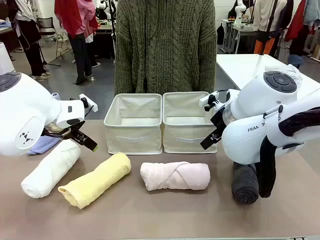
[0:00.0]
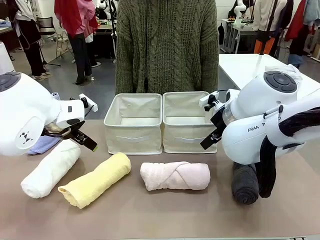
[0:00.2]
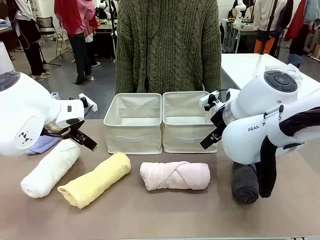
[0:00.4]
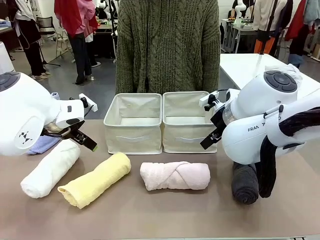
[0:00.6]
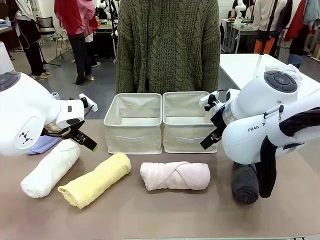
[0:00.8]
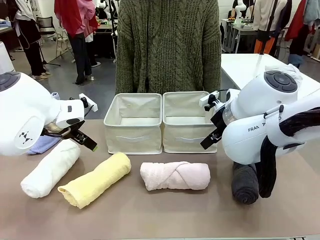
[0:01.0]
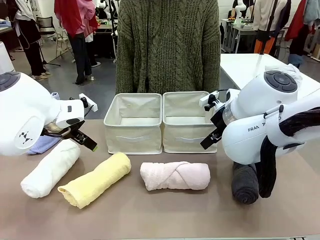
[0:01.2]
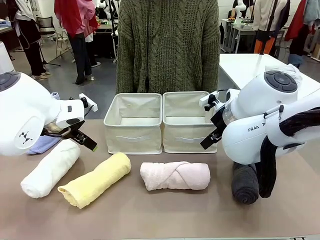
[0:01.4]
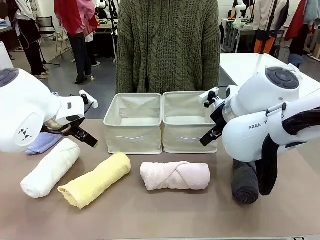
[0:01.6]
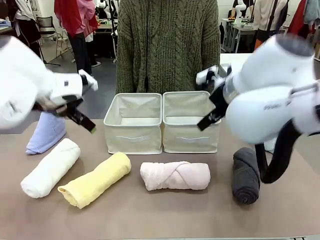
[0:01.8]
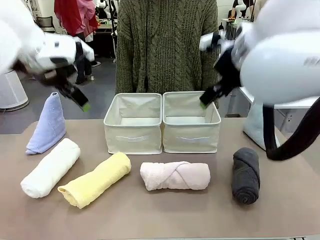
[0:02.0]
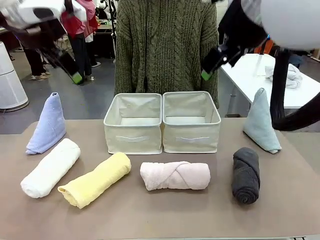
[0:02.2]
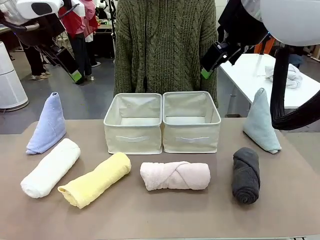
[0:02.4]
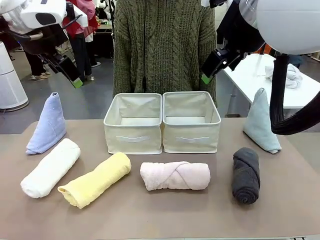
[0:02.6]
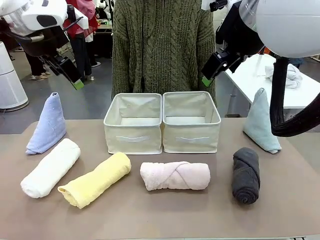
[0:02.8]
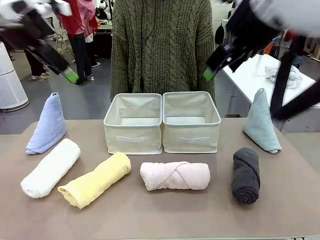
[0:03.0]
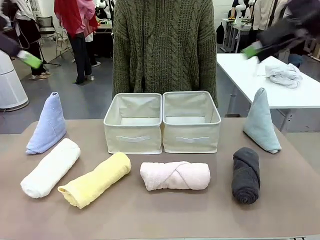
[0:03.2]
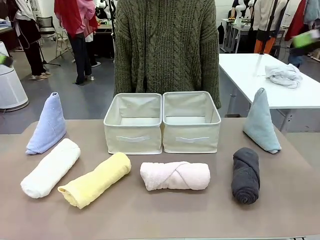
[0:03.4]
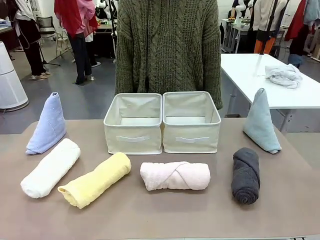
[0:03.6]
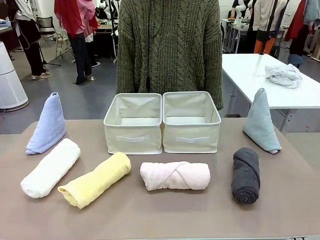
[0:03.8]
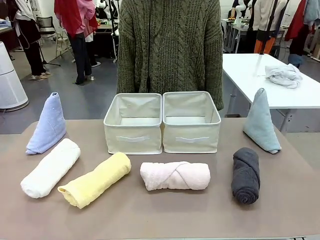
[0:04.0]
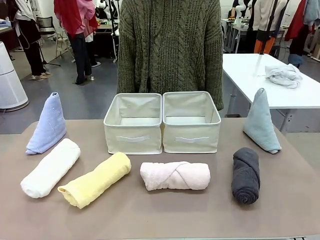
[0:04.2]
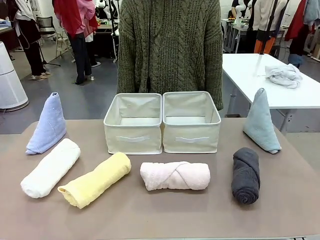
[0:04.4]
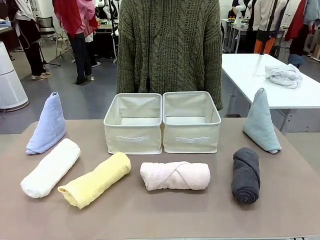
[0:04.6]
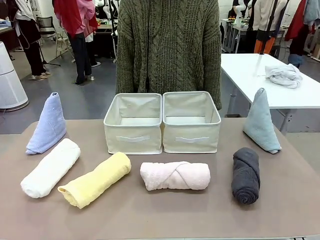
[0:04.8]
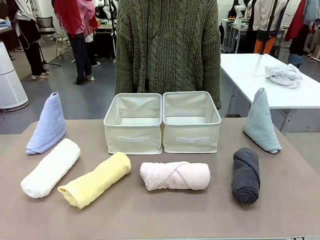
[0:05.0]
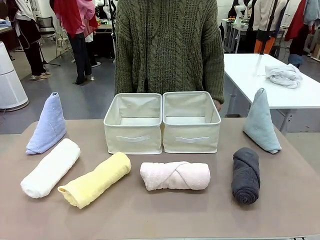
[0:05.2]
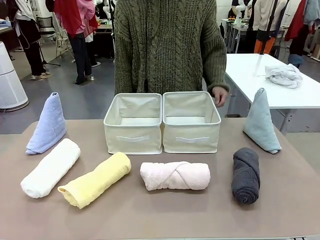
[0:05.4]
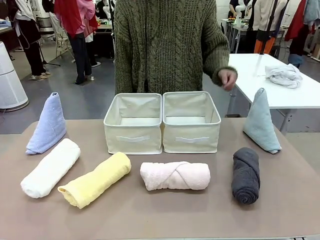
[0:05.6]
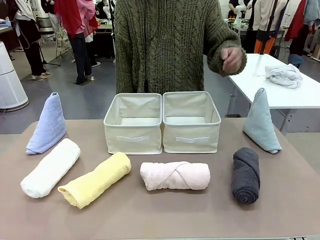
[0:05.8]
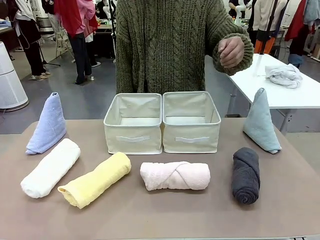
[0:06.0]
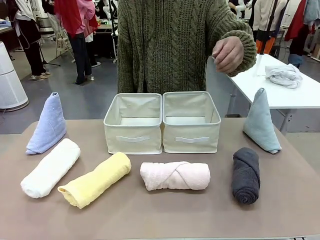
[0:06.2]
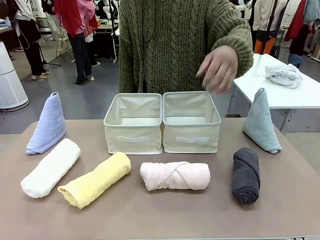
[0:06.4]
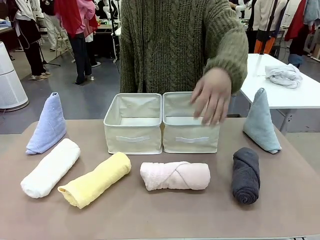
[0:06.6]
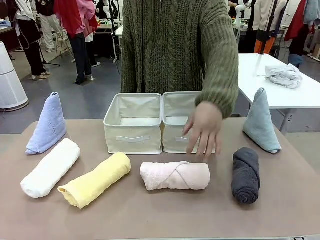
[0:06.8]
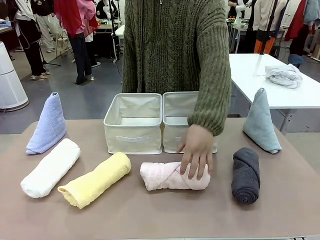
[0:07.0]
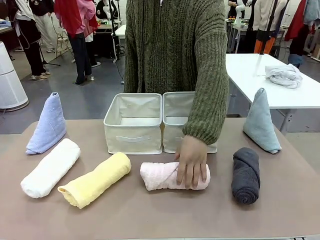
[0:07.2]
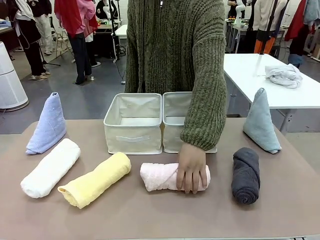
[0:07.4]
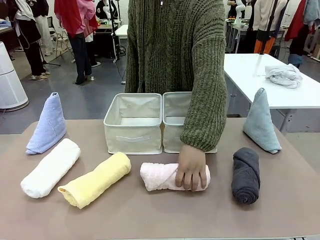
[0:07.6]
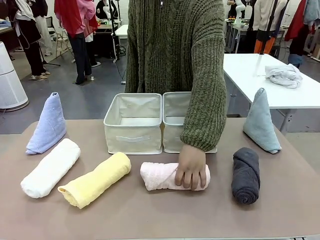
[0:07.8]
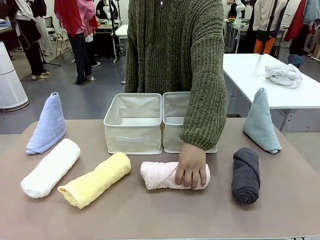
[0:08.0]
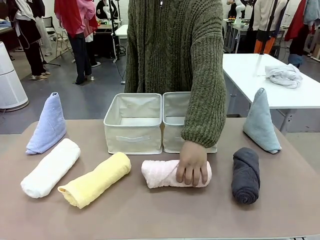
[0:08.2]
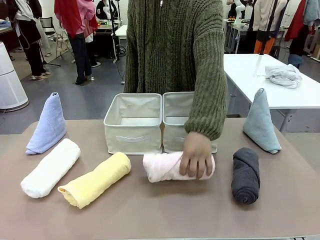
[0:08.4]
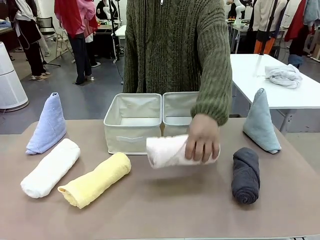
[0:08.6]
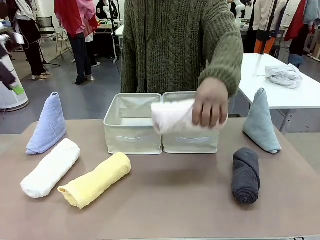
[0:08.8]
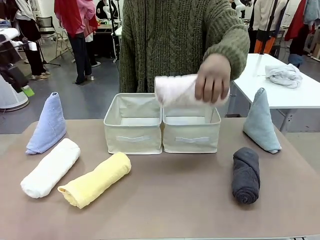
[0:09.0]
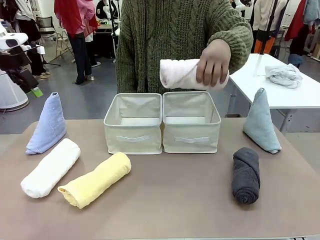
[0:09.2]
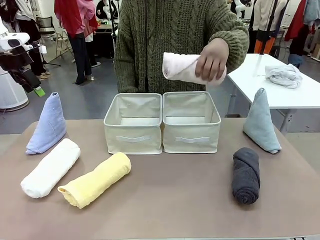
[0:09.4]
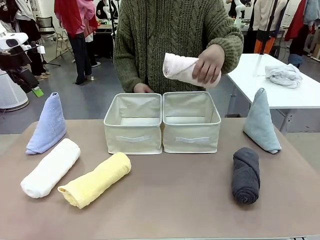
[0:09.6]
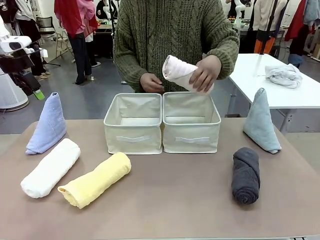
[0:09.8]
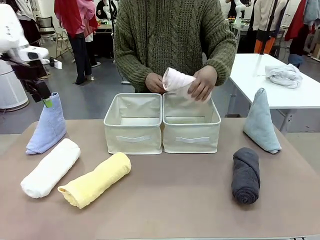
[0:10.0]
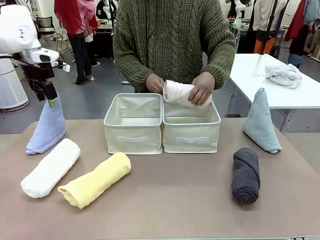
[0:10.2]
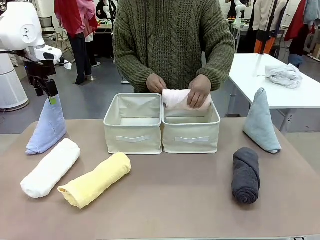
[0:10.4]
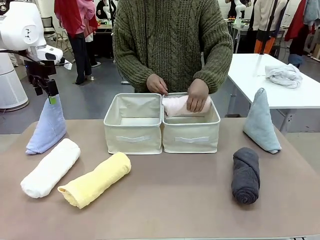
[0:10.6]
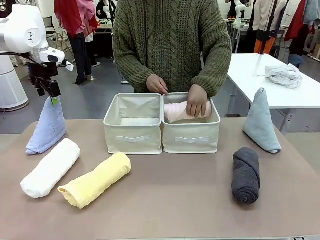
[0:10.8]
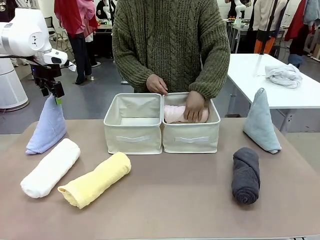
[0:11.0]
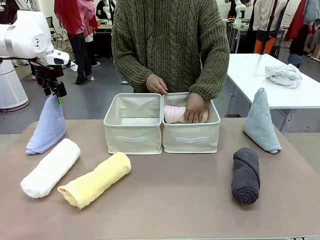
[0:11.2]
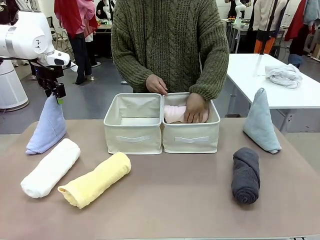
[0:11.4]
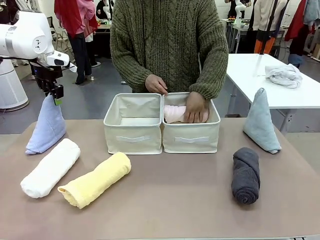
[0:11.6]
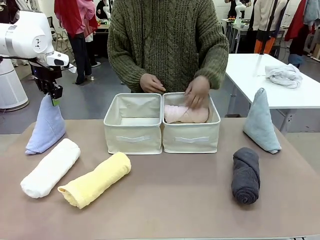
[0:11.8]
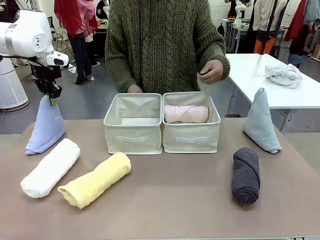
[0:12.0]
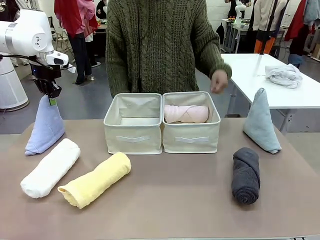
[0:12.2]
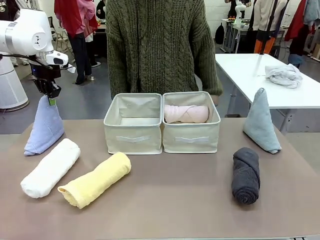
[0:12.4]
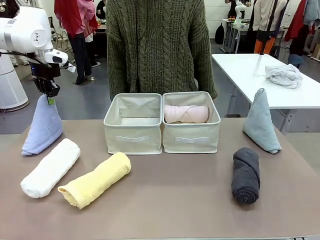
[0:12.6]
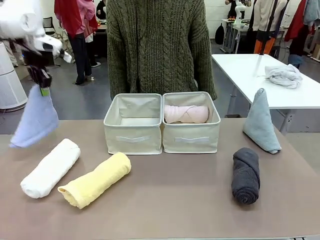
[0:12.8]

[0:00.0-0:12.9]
Task: Sort the towels based on their folding style.
Robot: Pick up one triangle-folded towel and place it in the left Fabric basket.
Person: Pick up one hotel-style rolled towel and place it in the left fabric basket.
